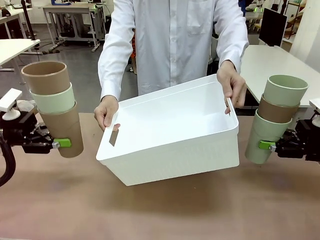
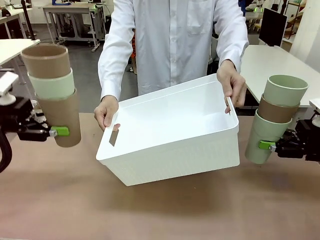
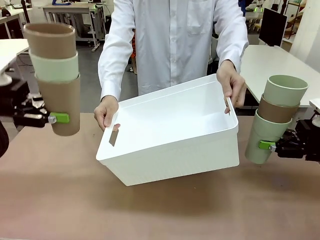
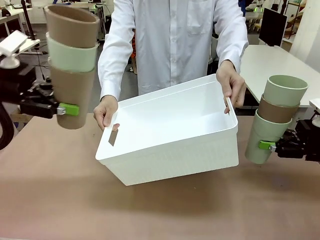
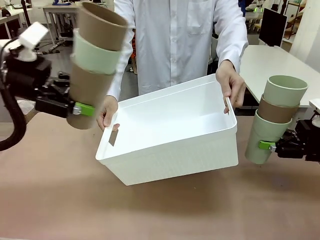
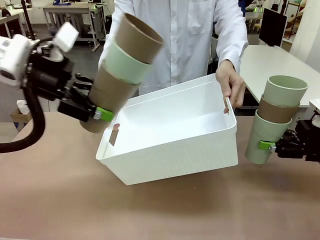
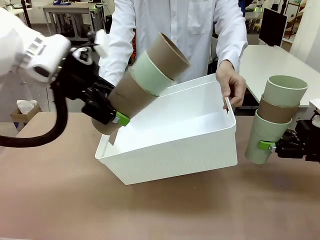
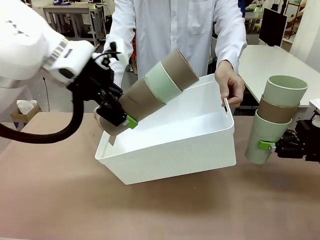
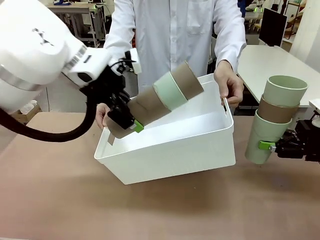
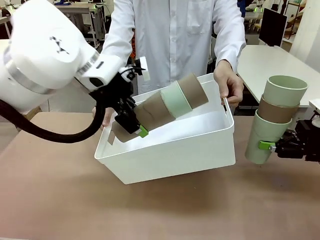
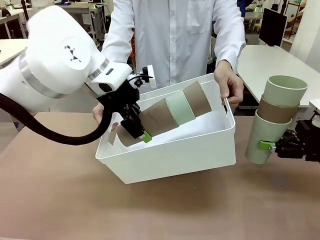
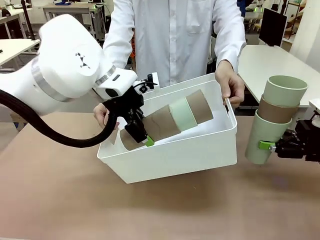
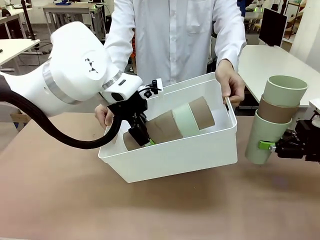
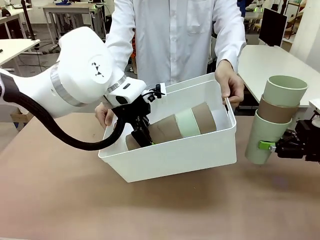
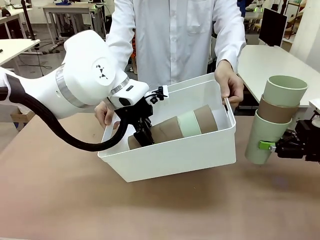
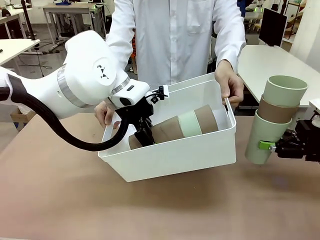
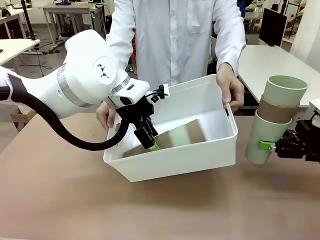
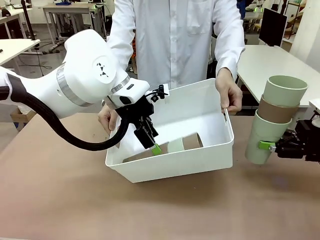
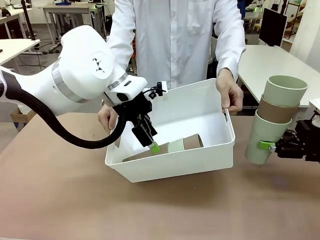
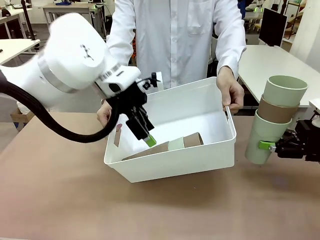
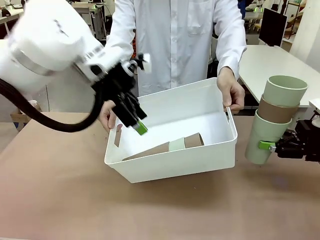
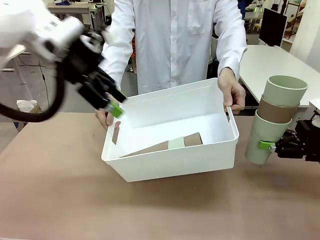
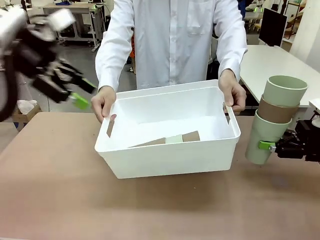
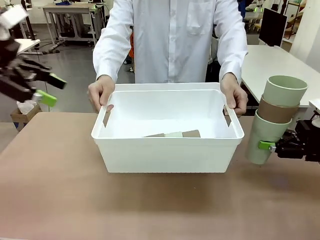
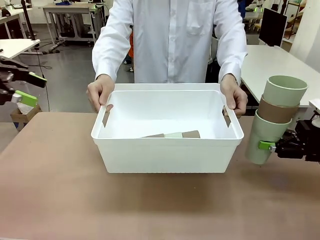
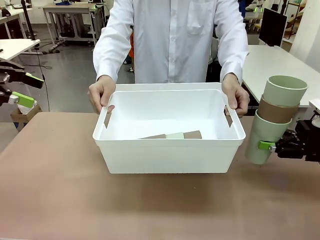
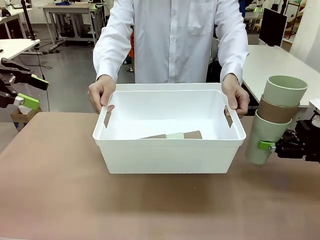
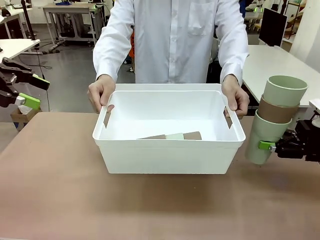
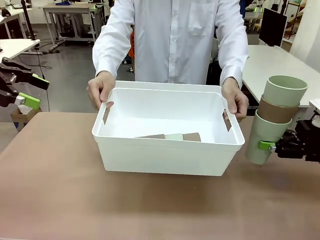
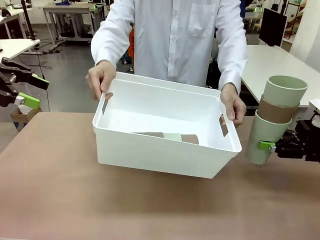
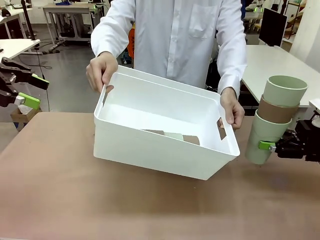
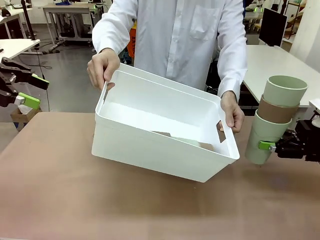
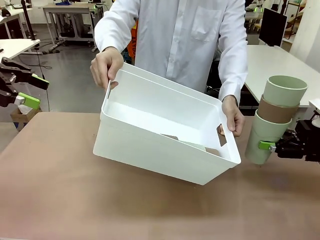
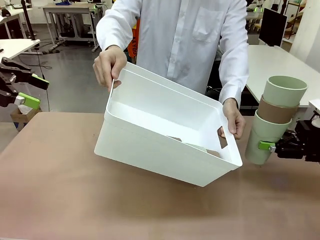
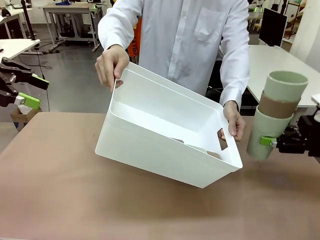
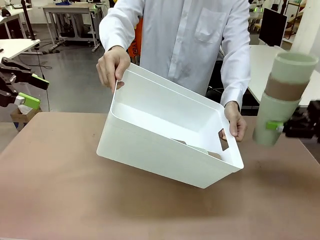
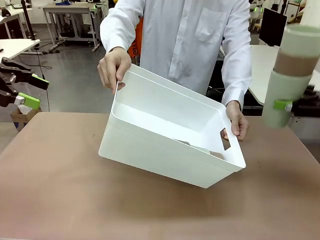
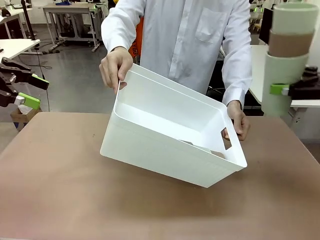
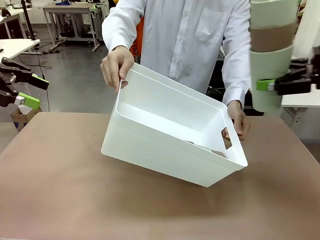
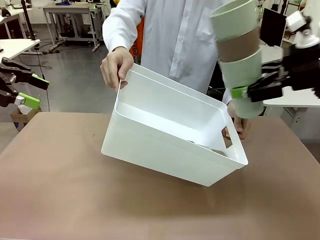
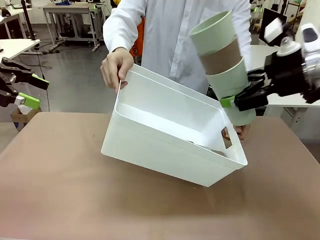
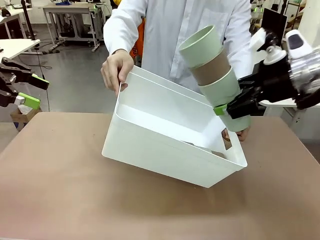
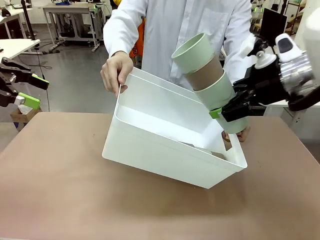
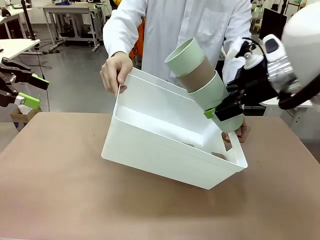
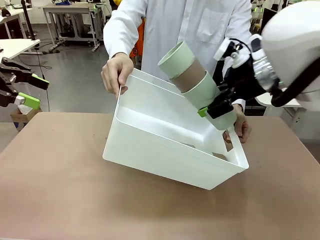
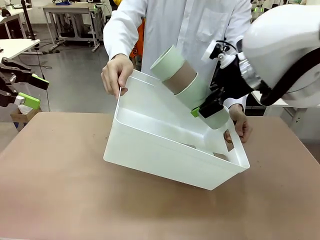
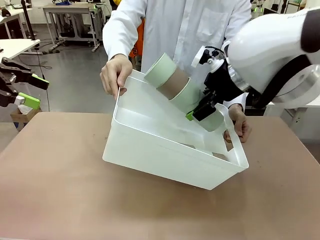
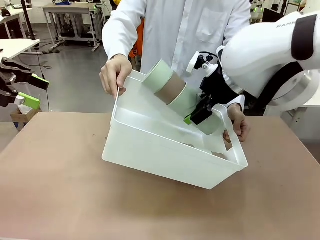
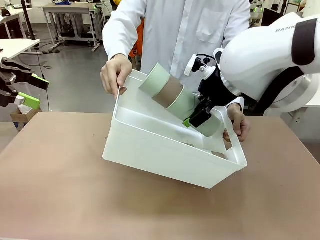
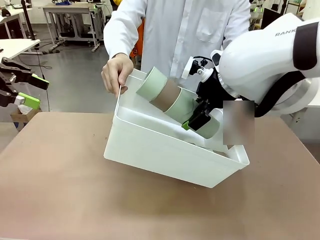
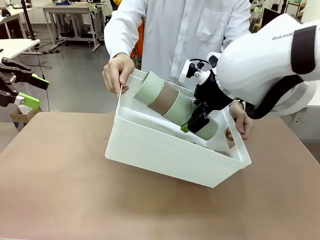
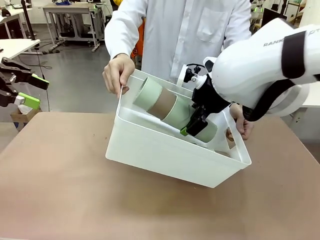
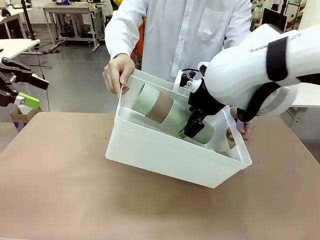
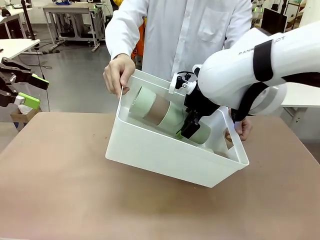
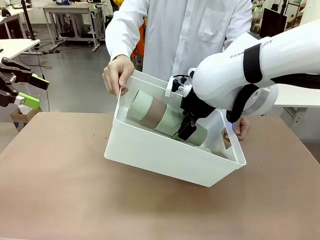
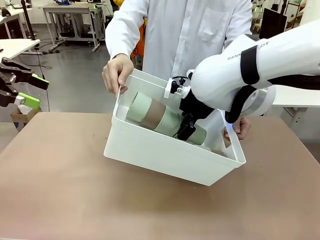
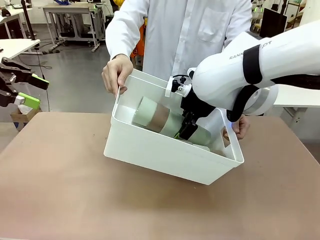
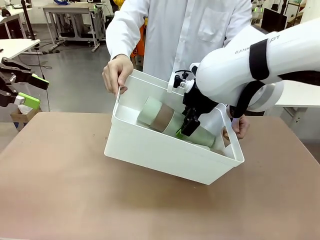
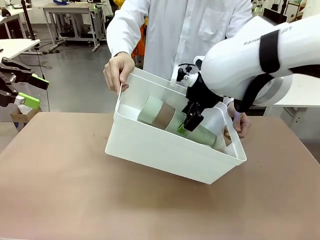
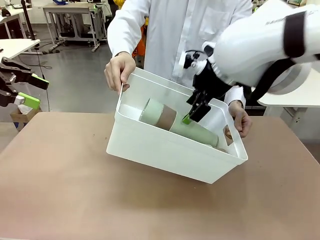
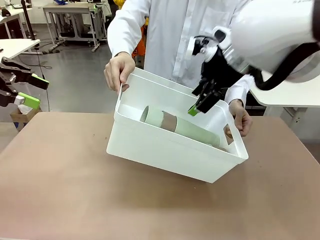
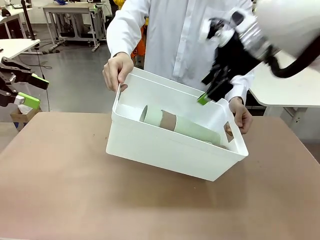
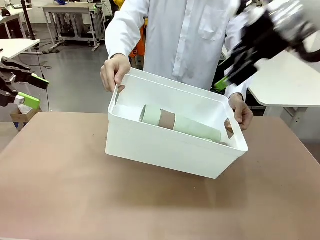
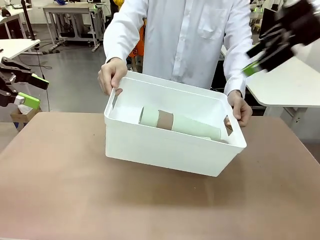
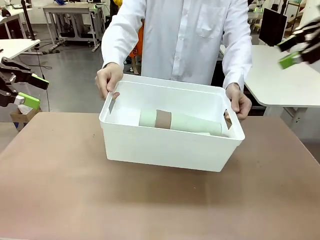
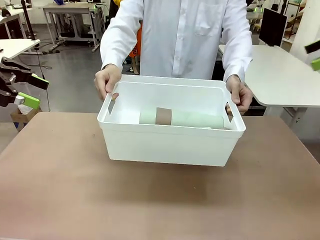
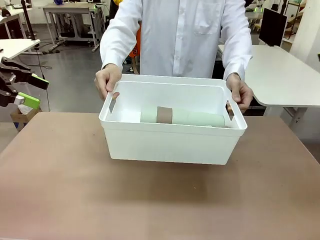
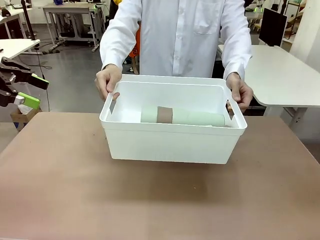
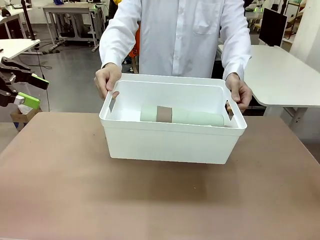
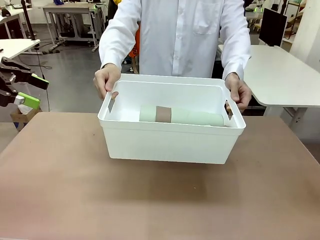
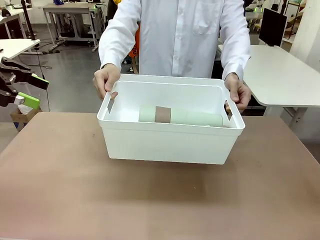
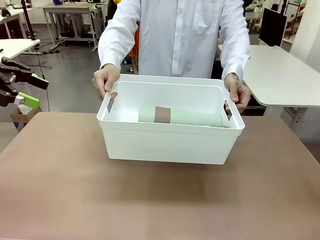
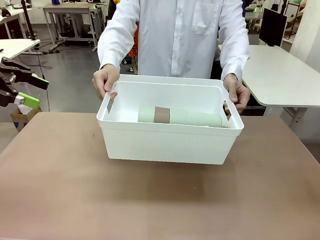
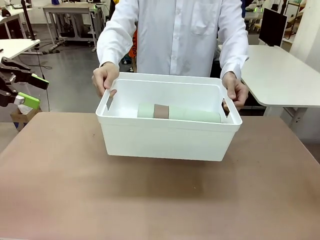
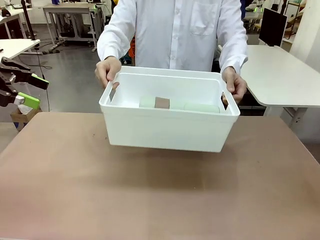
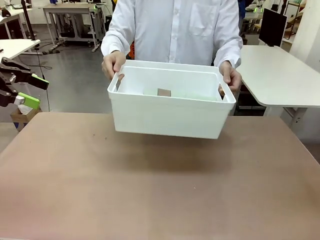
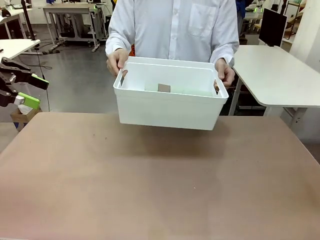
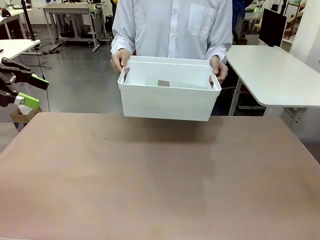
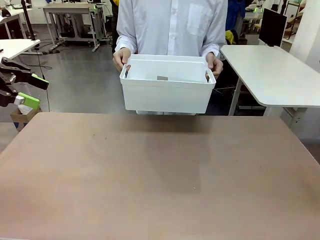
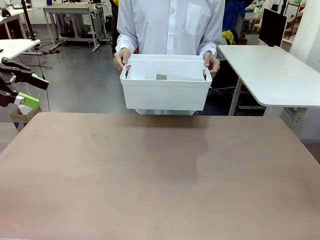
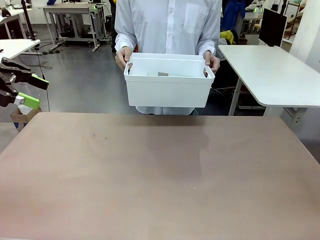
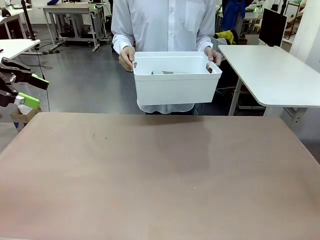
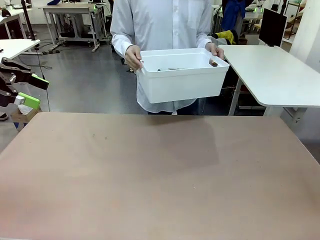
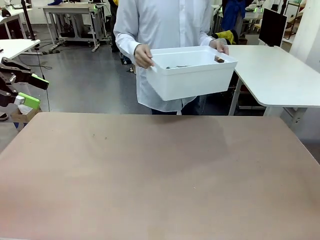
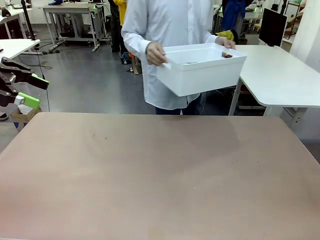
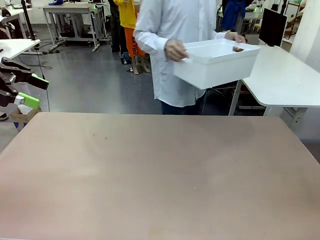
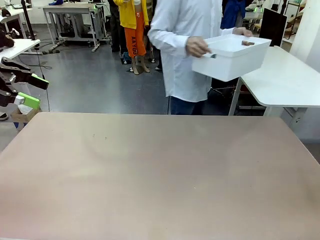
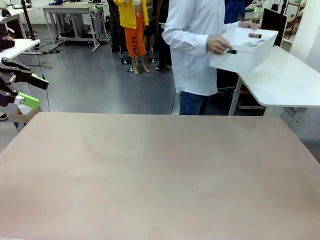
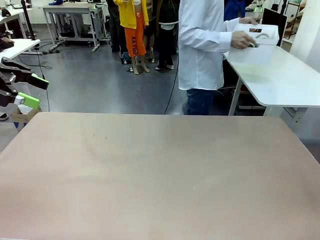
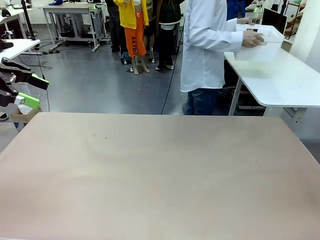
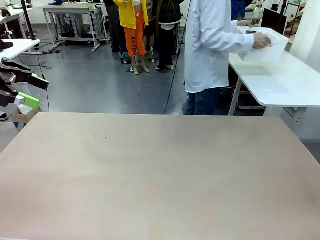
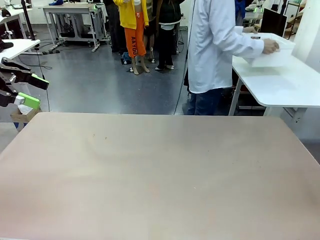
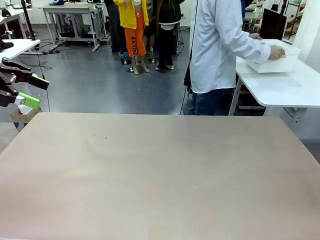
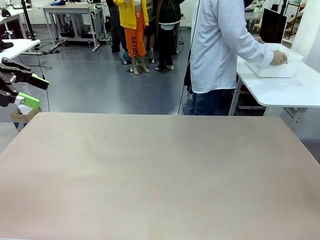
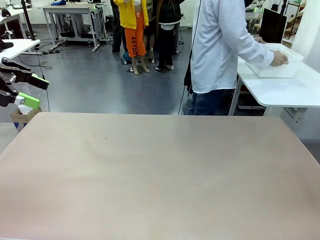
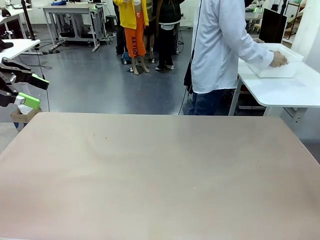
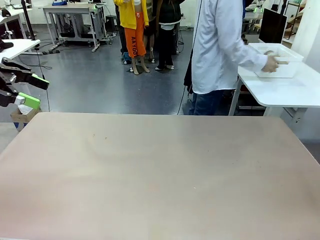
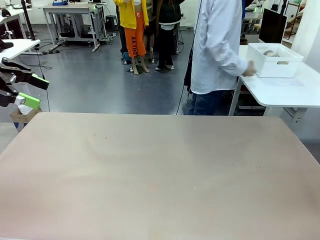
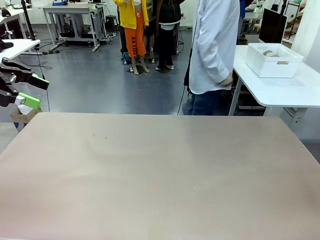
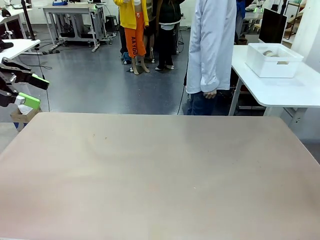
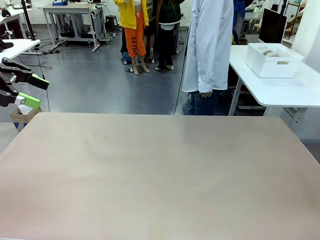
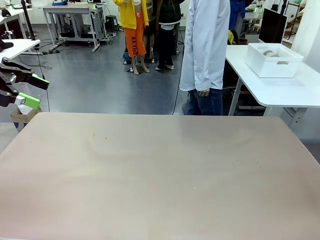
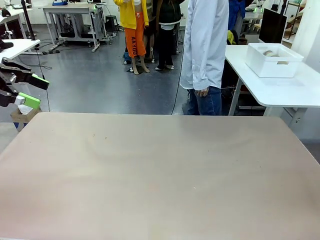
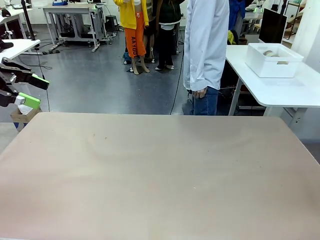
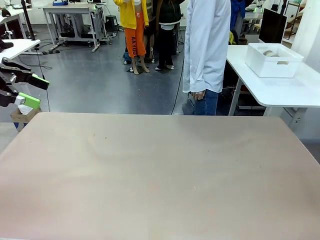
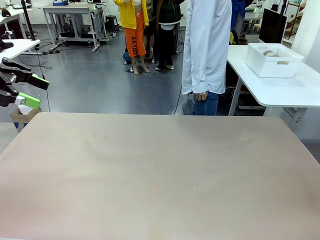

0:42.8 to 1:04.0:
Task: Stack the cups and store them in the basket.
Robot: Place the stack of Reusable plastic cups into the Pantry Basket.
Person: Place the basket containing the cups in the middle of the Human Table.
